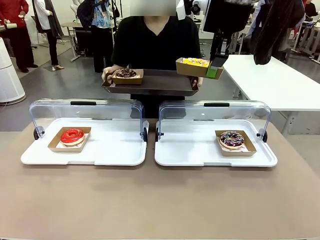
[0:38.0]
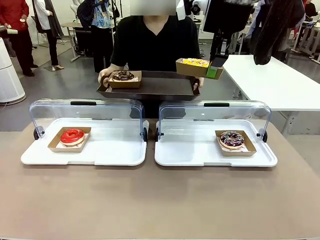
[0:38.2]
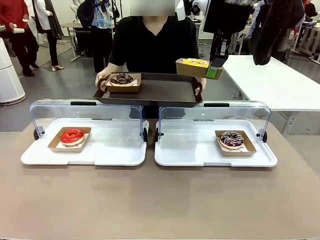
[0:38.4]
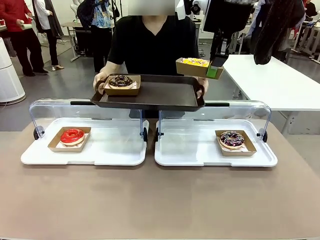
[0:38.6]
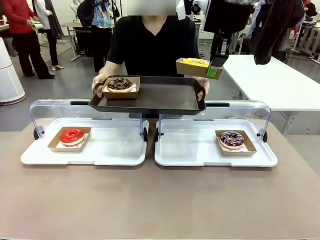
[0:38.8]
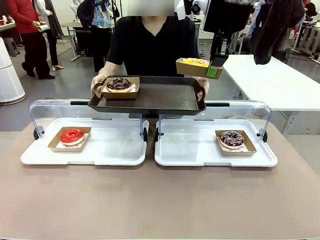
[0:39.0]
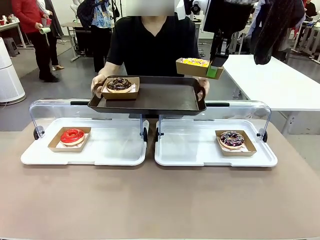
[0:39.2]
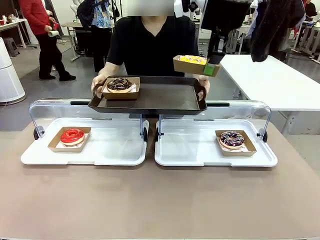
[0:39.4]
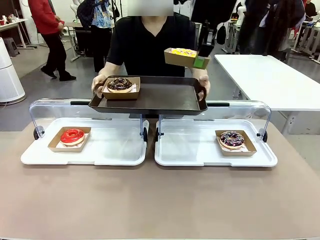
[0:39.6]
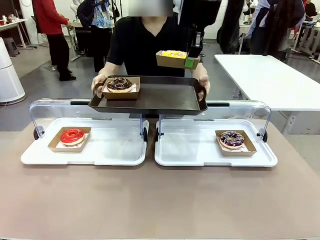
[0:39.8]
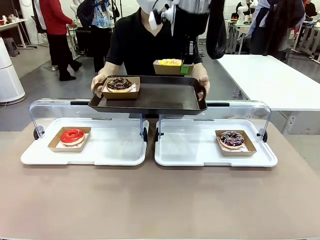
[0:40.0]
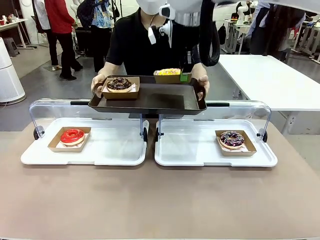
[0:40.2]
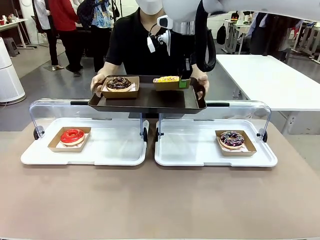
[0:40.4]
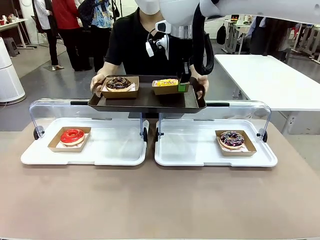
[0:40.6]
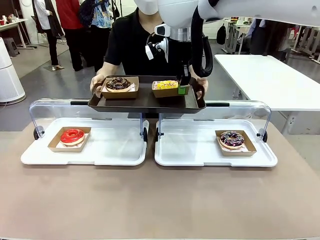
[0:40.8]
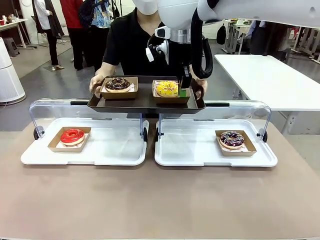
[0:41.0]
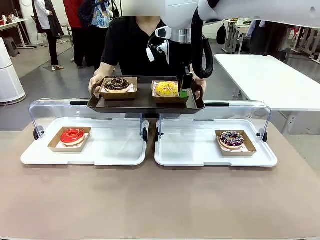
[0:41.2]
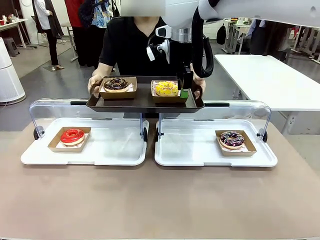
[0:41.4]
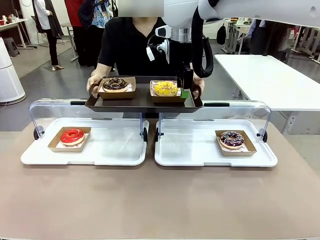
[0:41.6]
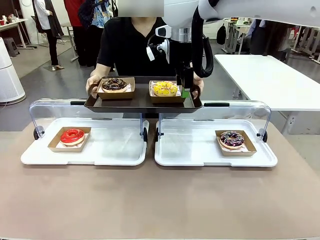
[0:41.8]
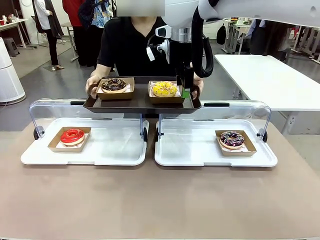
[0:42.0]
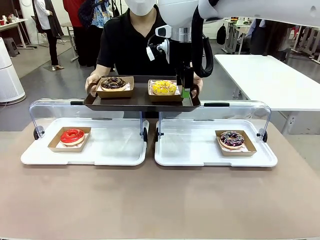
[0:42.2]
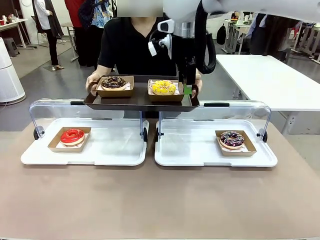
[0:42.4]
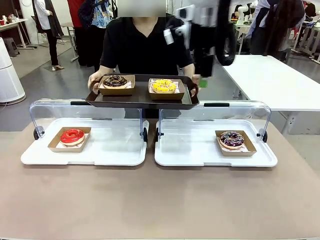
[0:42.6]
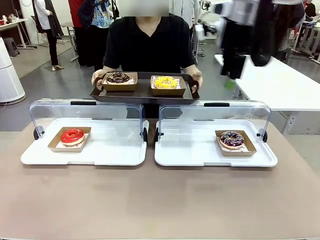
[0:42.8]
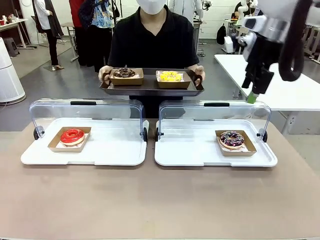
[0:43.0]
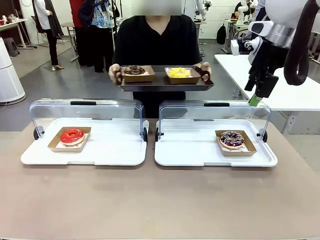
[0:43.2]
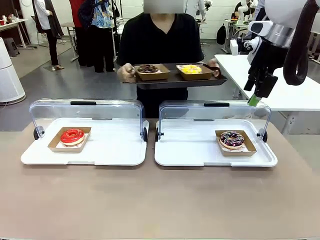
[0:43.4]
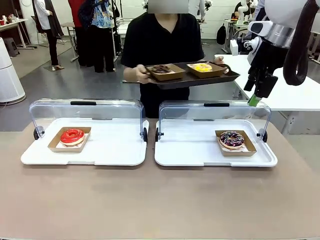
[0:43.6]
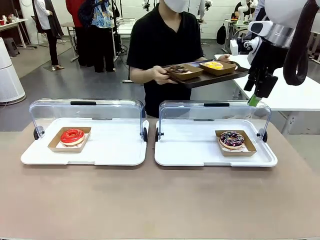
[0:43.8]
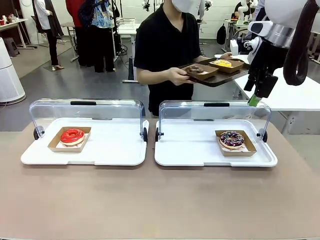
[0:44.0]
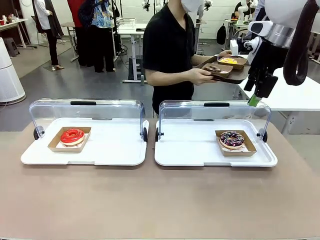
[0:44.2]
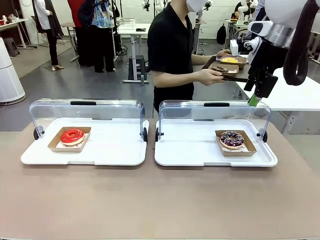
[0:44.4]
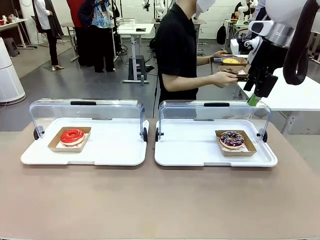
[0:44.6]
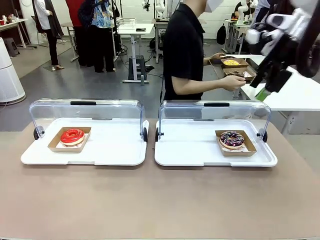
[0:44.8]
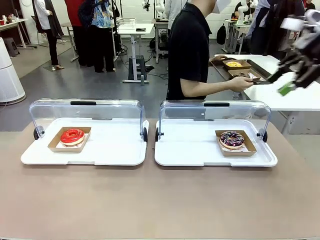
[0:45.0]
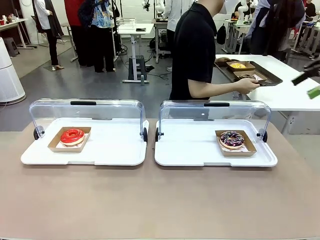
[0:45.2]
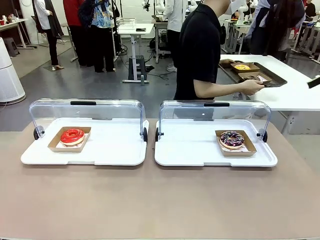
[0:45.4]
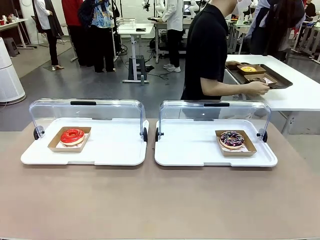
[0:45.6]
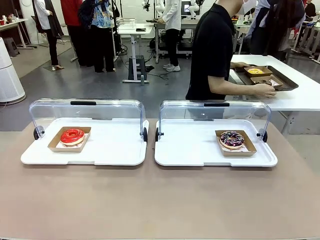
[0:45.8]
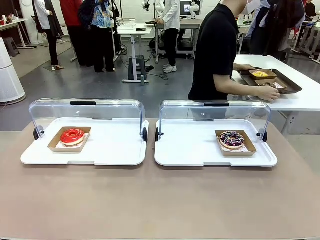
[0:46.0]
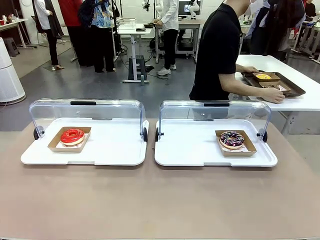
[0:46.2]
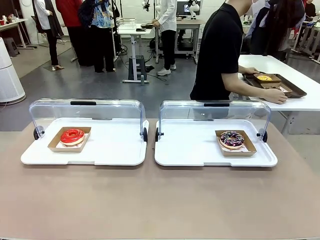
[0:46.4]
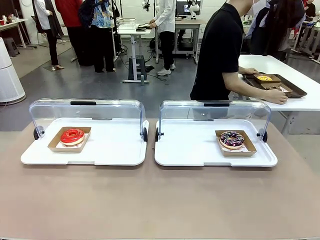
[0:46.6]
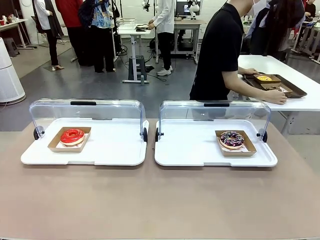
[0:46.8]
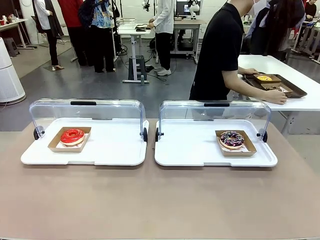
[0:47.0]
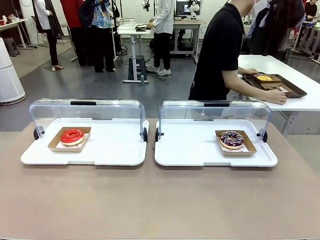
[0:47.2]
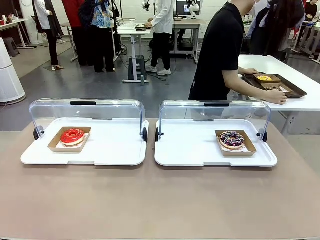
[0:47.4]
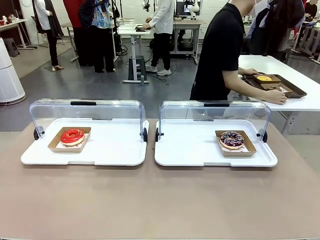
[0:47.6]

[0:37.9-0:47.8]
Task: Provide the desired donut to the person.
Robot: Place the picked Paper togo box onto the Handle tray extended by the person.
Person: Place the tray in the middle of the human table.

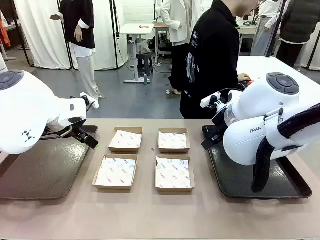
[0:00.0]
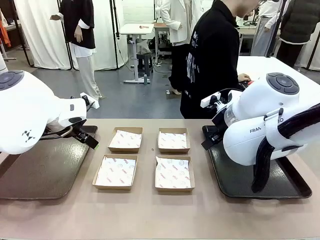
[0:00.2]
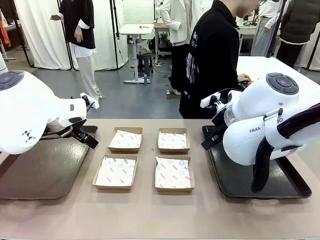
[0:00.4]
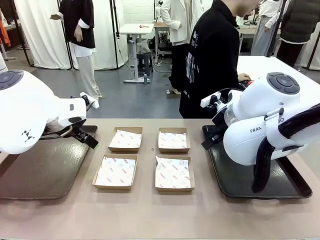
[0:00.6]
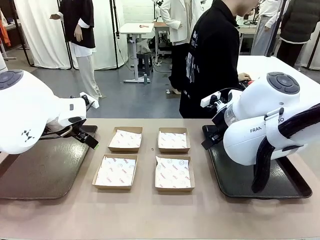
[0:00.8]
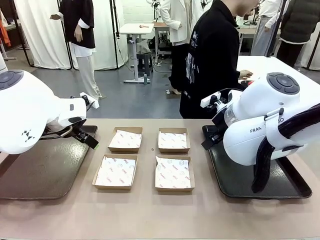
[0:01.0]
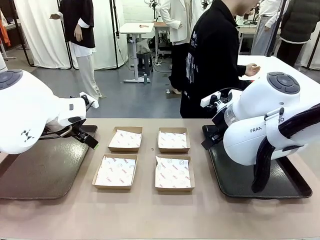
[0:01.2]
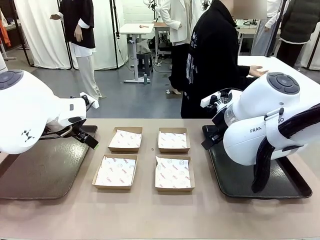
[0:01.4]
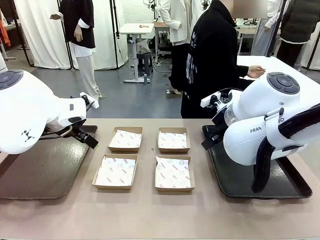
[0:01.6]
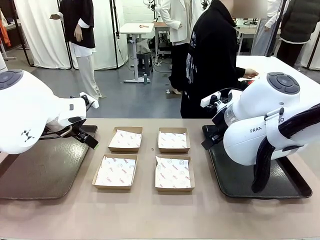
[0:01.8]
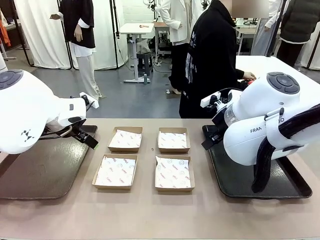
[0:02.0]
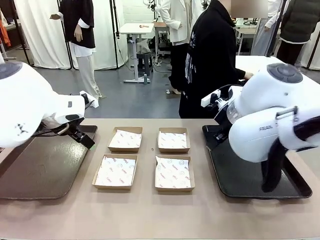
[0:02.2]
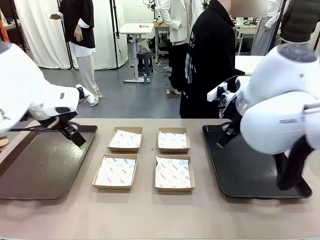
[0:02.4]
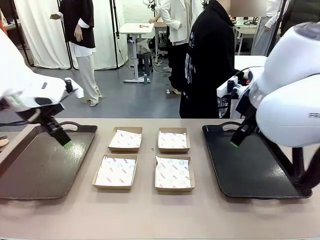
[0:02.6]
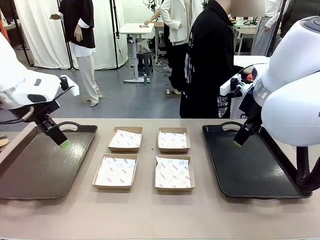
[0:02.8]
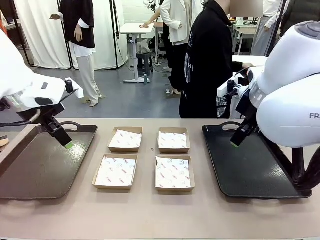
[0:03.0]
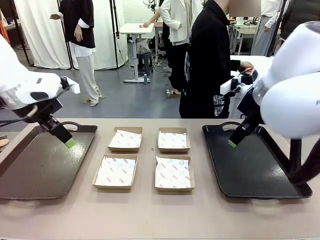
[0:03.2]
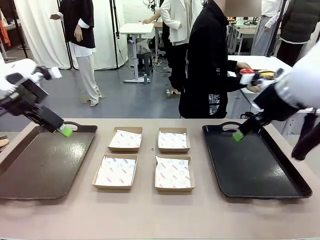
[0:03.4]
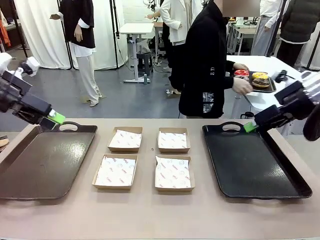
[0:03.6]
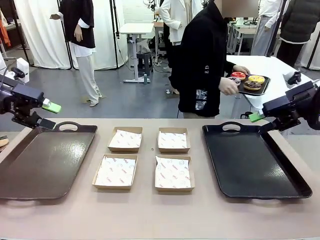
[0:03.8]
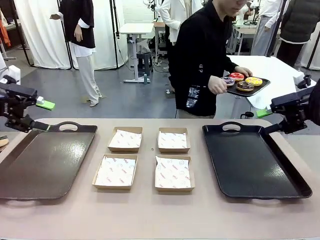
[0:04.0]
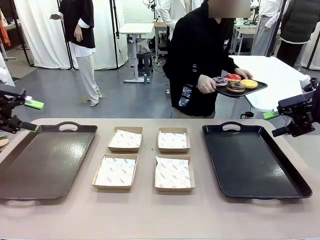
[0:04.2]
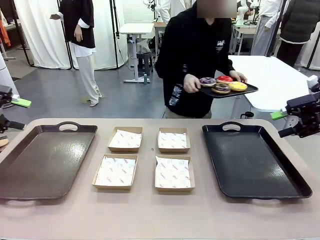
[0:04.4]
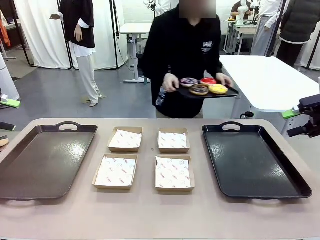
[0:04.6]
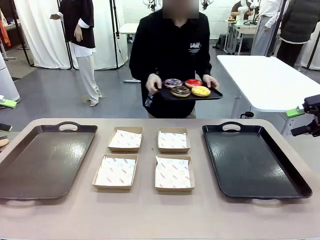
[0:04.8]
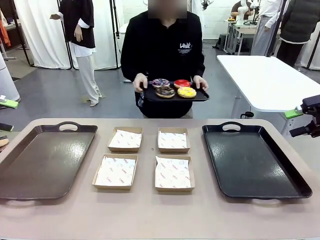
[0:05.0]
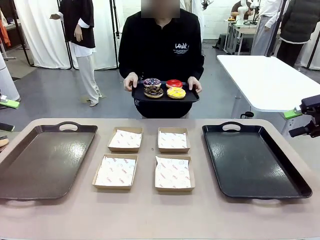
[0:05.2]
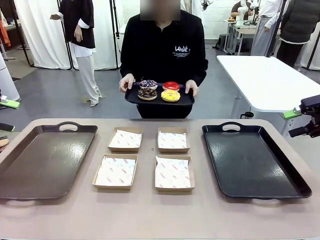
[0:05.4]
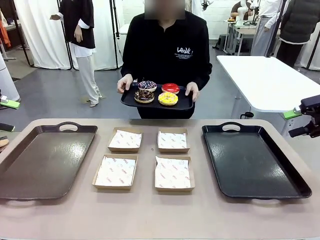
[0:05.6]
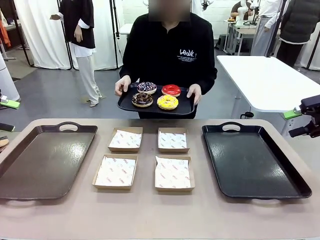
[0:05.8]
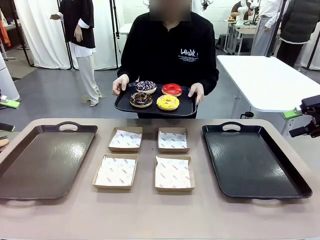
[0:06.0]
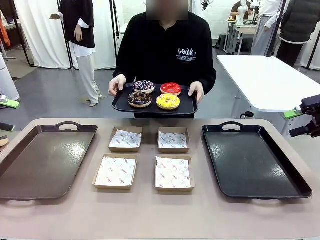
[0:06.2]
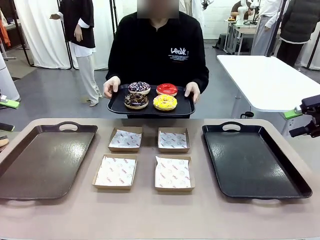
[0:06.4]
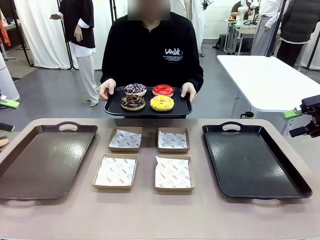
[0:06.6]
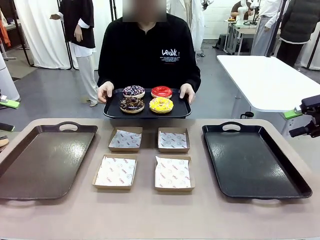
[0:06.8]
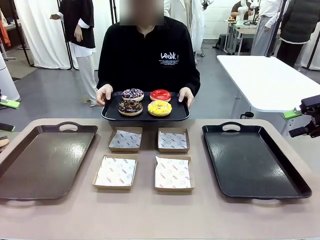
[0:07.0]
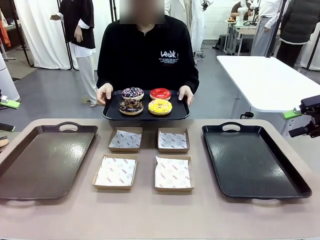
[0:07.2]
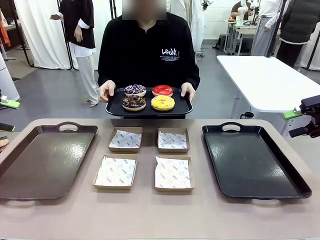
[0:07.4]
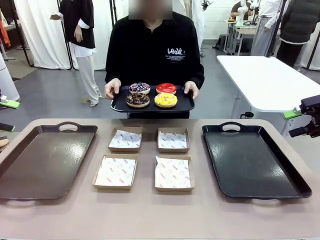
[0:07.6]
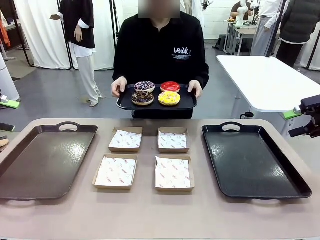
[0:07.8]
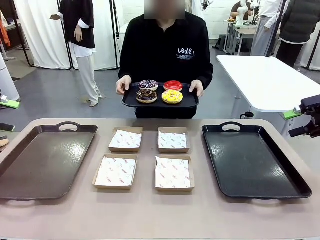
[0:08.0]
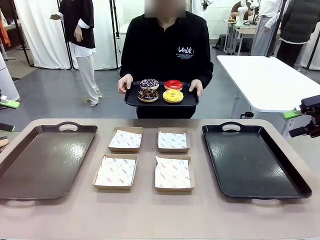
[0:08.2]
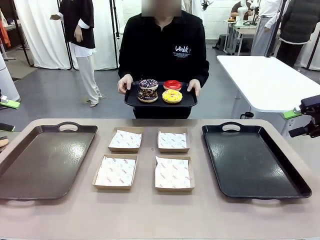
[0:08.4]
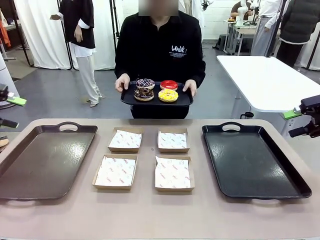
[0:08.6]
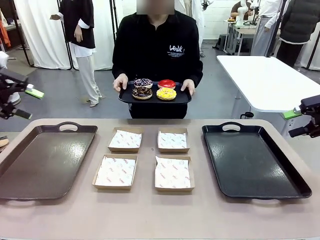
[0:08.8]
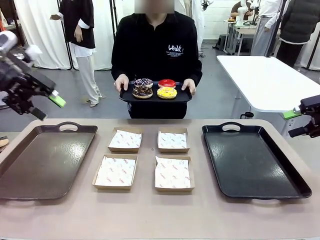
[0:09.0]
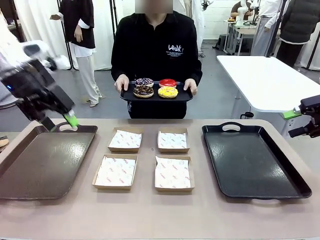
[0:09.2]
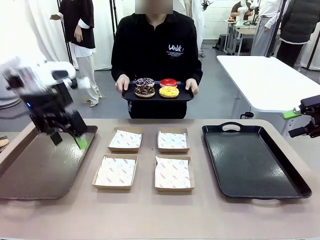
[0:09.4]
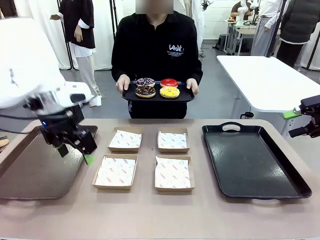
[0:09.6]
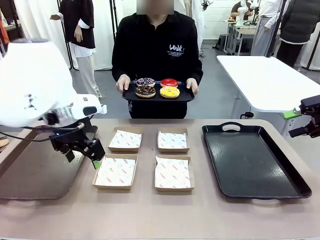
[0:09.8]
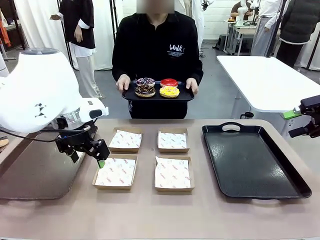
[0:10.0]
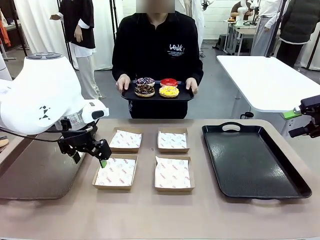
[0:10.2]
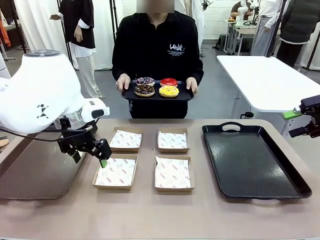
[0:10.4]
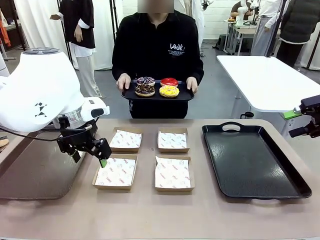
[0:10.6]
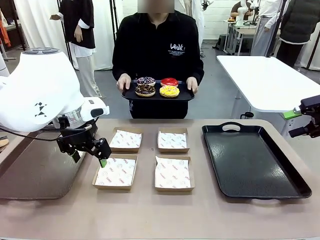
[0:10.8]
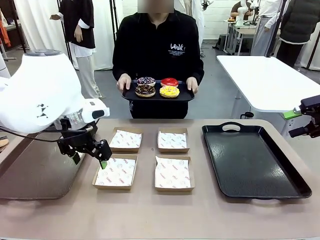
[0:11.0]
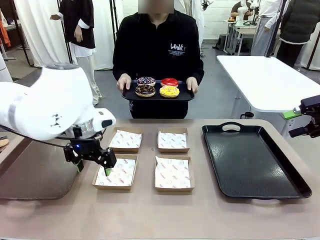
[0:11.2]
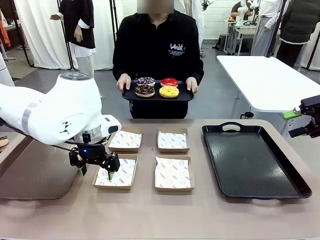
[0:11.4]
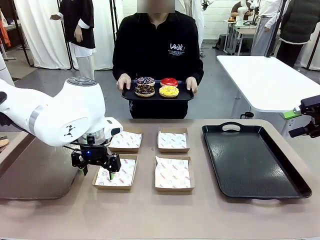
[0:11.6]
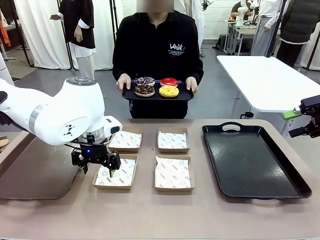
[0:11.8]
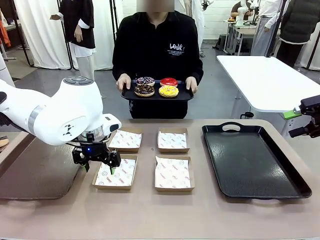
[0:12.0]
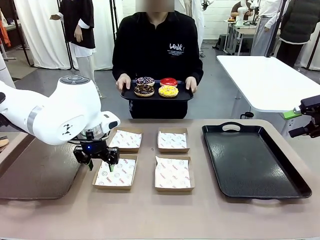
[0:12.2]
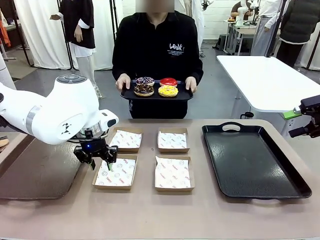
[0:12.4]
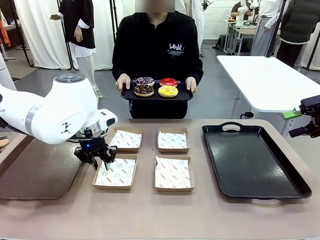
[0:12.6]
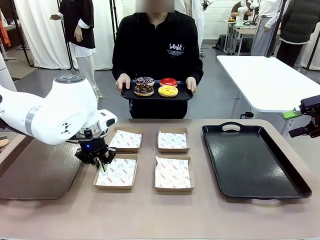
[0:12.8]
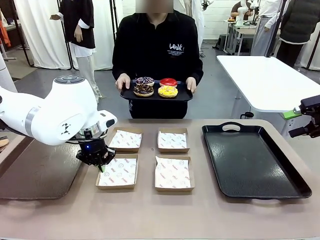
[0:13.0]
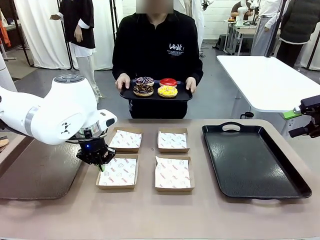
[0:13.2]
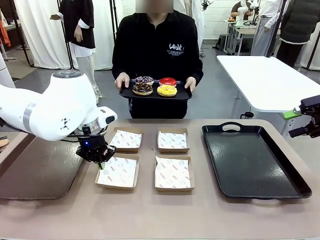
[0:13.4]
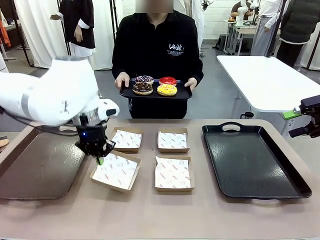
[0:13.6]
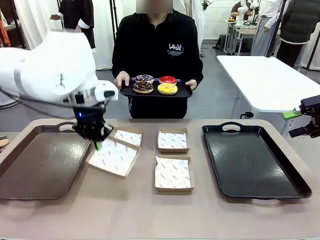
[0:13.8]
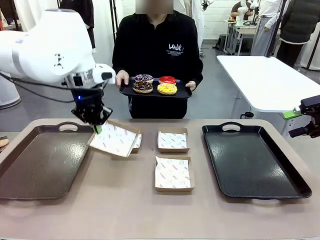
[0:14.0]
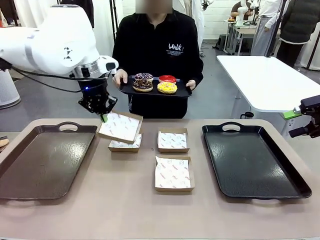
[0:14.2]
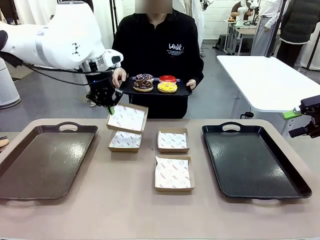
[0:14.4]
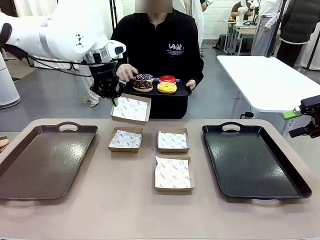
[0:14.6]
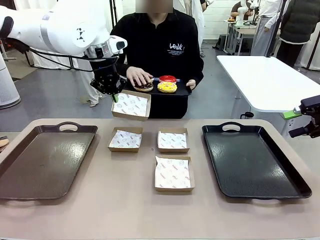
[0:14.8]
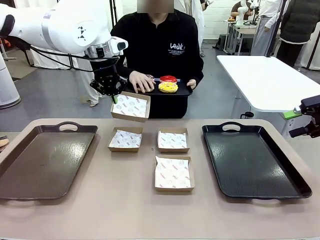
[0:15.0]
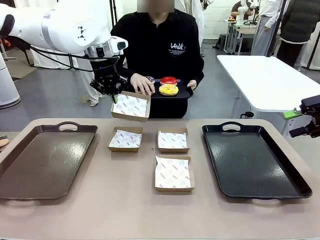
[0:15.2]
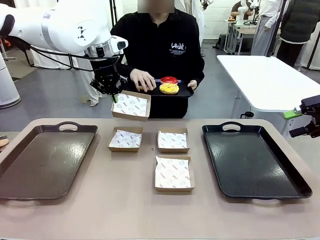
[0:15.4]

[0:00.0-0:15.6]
Task: Individually package the donuts and arrange them on the tray.
Robot: Pick up one Paper togo box.
Person: Stand in front of the robot table holding the tray containing the donuts.
